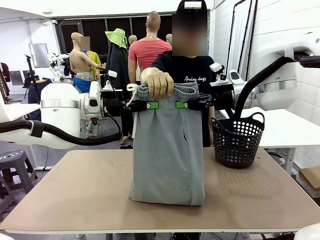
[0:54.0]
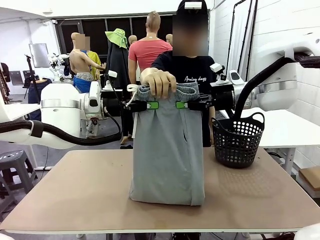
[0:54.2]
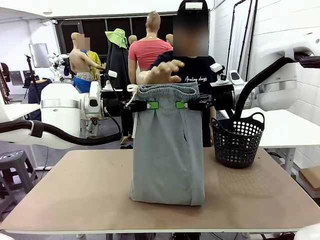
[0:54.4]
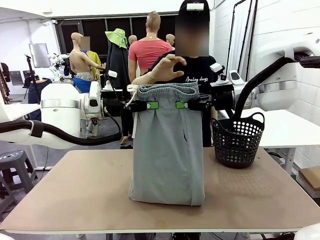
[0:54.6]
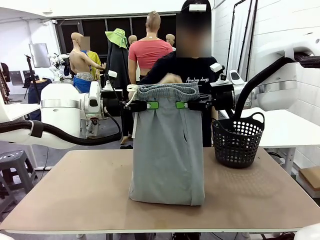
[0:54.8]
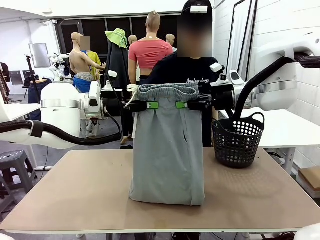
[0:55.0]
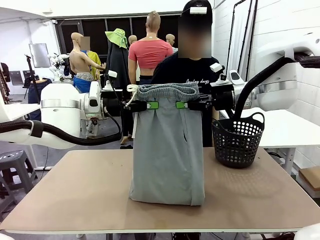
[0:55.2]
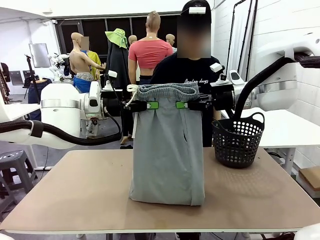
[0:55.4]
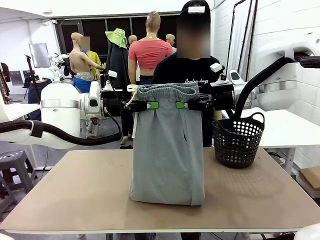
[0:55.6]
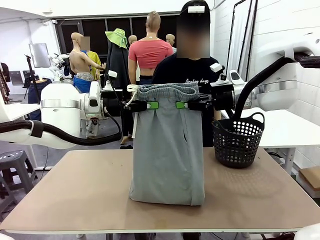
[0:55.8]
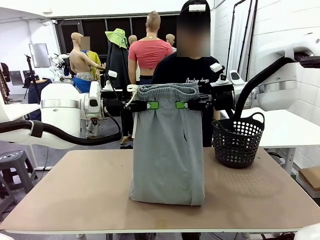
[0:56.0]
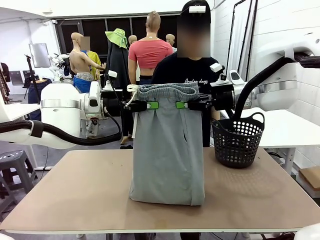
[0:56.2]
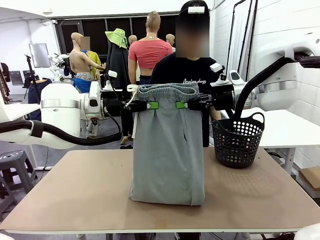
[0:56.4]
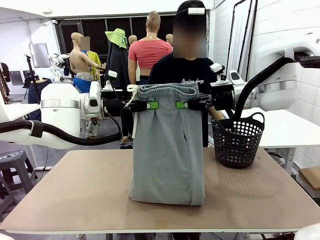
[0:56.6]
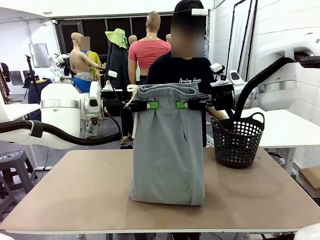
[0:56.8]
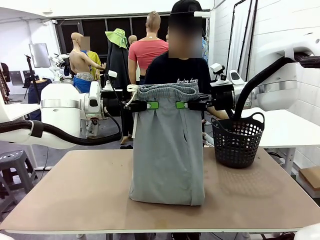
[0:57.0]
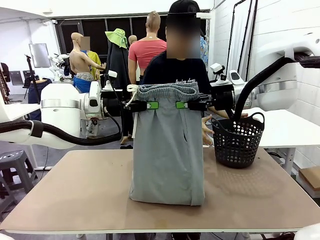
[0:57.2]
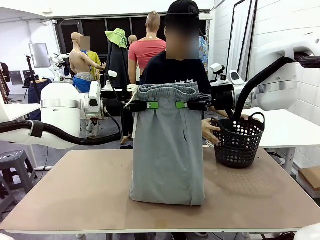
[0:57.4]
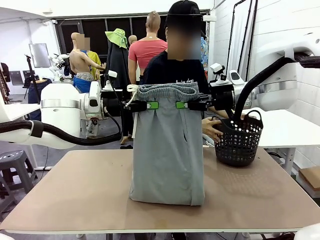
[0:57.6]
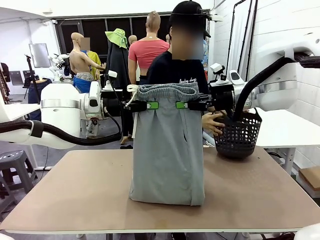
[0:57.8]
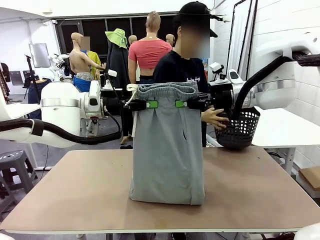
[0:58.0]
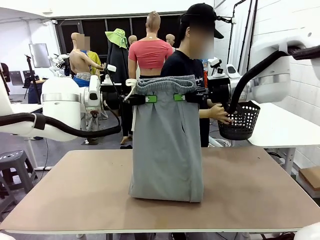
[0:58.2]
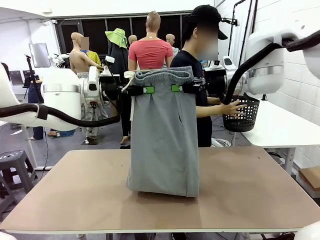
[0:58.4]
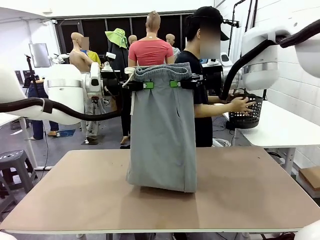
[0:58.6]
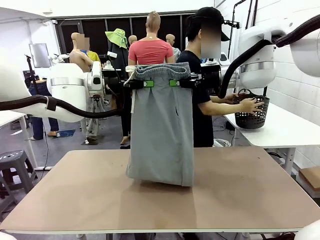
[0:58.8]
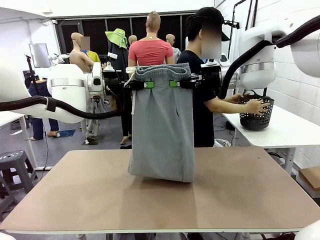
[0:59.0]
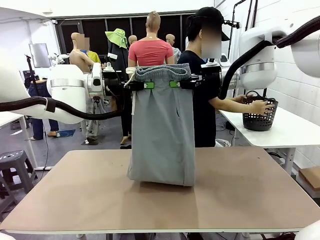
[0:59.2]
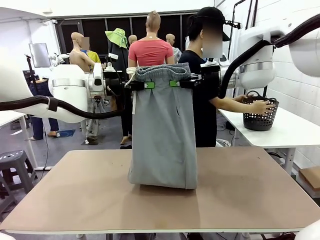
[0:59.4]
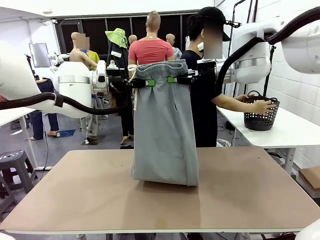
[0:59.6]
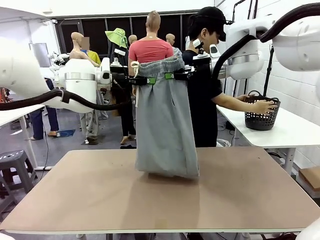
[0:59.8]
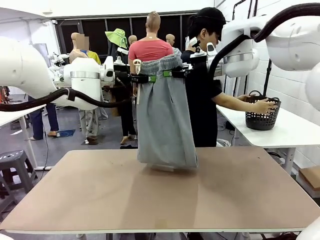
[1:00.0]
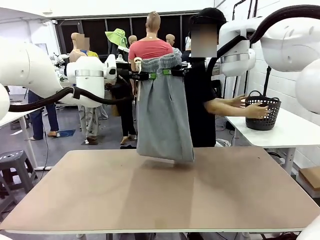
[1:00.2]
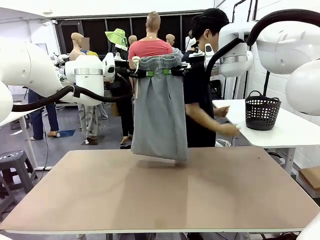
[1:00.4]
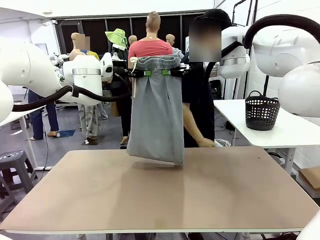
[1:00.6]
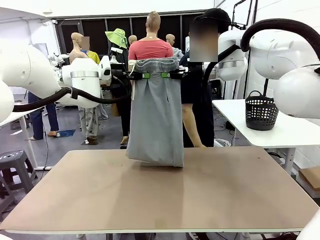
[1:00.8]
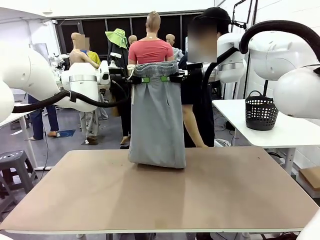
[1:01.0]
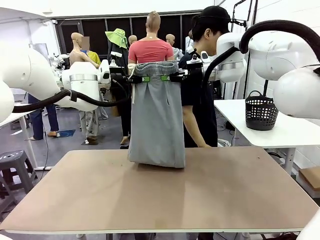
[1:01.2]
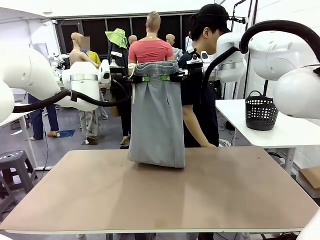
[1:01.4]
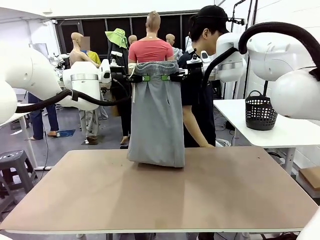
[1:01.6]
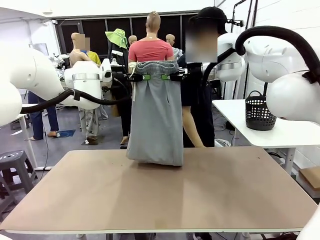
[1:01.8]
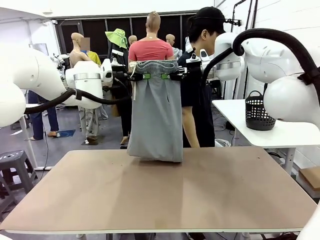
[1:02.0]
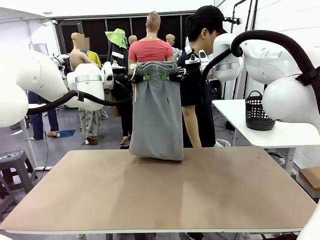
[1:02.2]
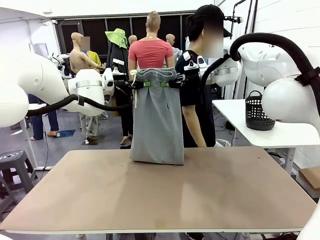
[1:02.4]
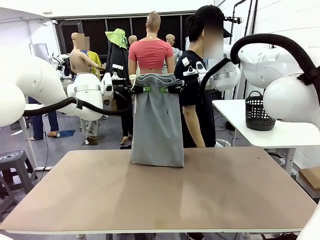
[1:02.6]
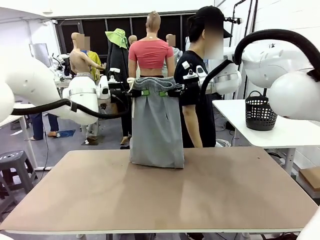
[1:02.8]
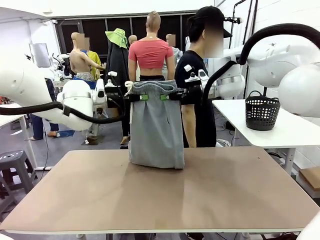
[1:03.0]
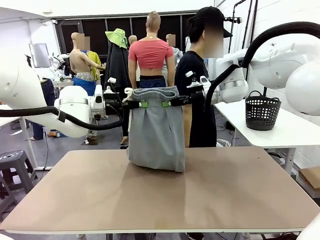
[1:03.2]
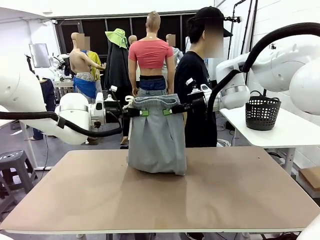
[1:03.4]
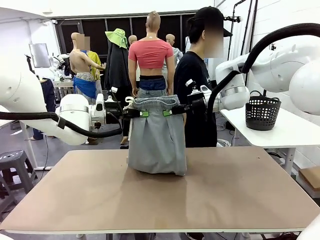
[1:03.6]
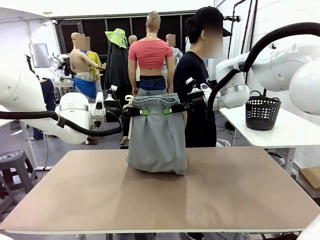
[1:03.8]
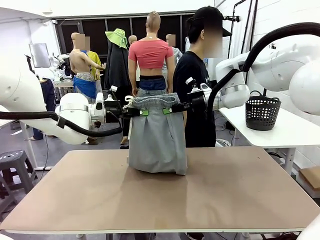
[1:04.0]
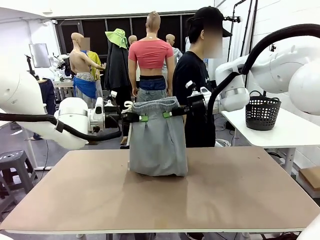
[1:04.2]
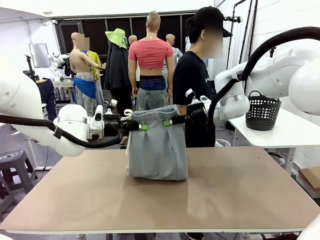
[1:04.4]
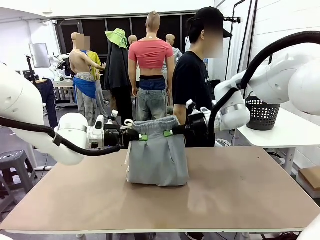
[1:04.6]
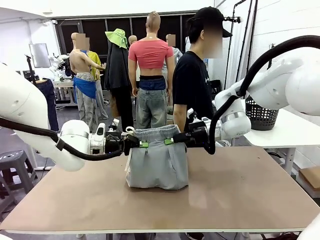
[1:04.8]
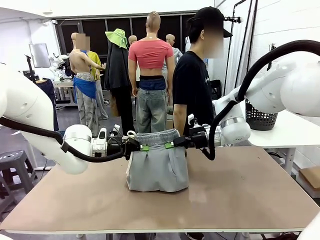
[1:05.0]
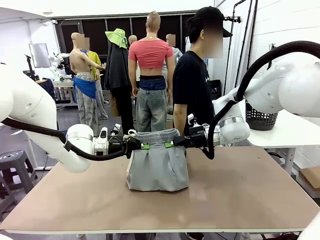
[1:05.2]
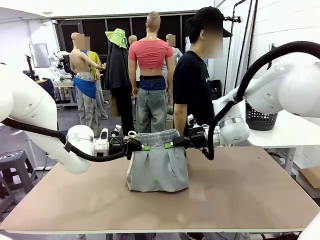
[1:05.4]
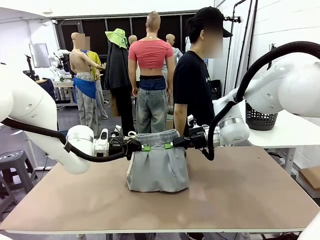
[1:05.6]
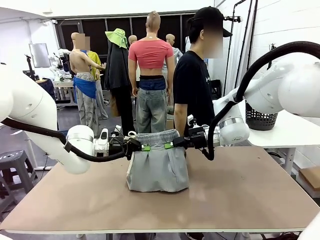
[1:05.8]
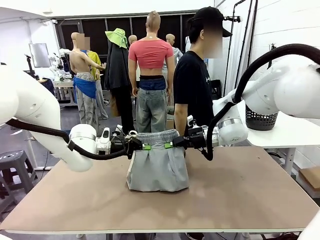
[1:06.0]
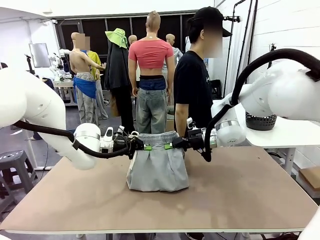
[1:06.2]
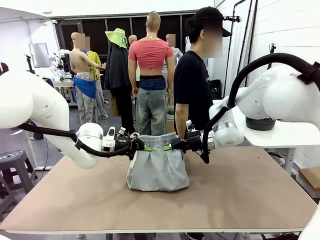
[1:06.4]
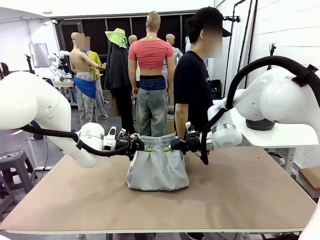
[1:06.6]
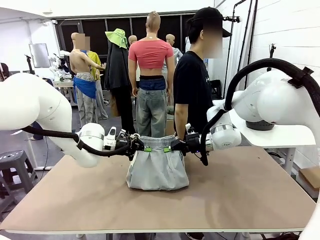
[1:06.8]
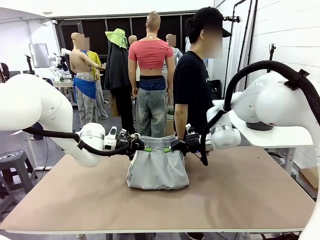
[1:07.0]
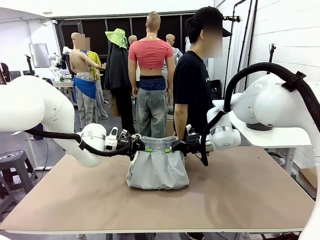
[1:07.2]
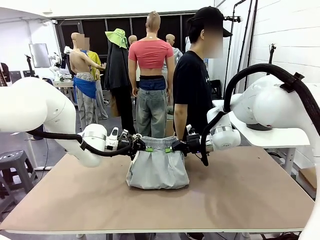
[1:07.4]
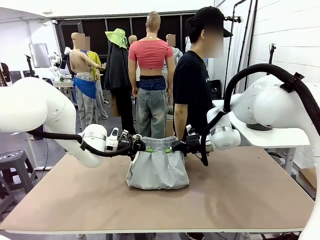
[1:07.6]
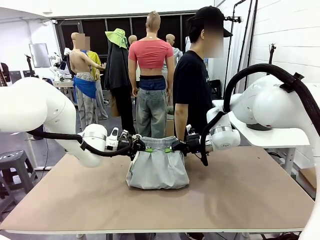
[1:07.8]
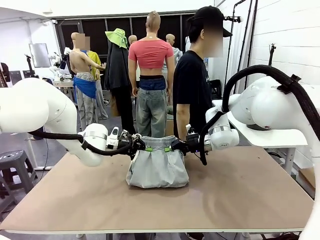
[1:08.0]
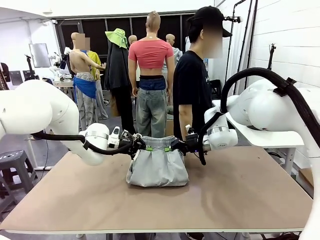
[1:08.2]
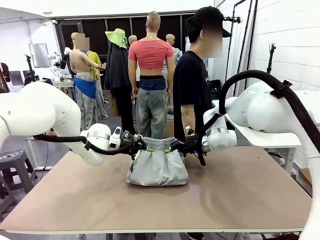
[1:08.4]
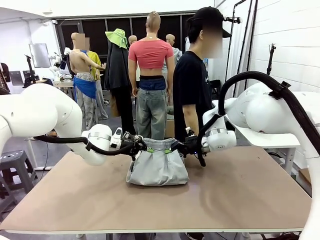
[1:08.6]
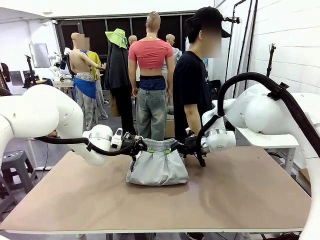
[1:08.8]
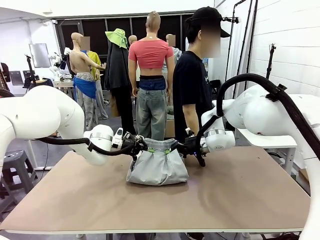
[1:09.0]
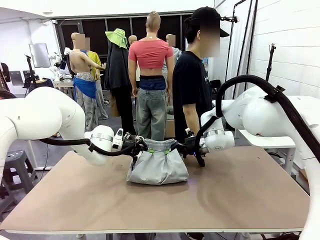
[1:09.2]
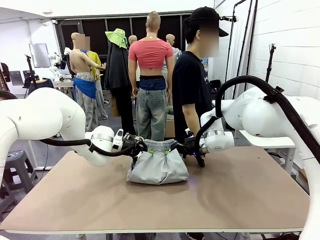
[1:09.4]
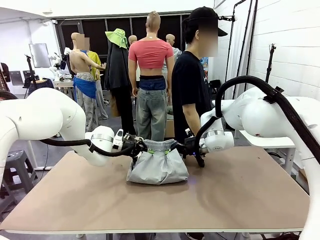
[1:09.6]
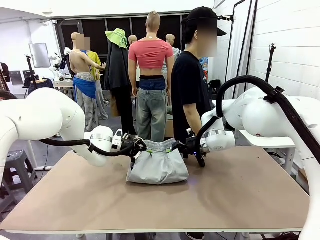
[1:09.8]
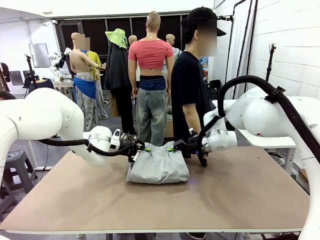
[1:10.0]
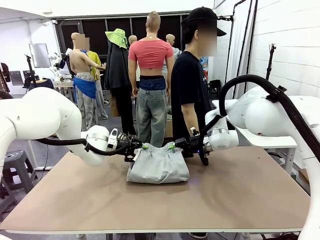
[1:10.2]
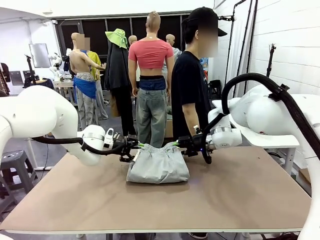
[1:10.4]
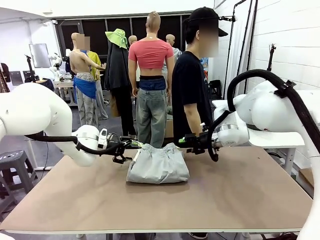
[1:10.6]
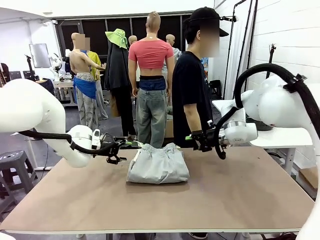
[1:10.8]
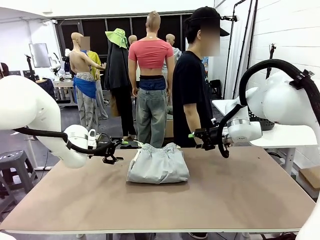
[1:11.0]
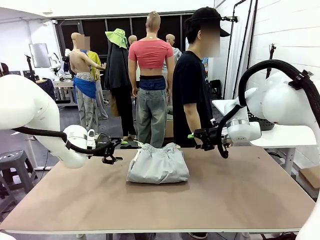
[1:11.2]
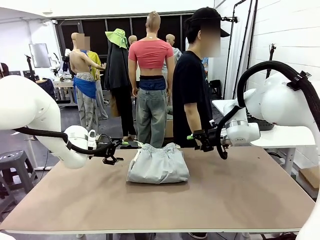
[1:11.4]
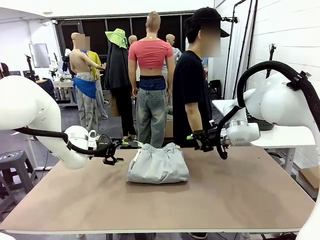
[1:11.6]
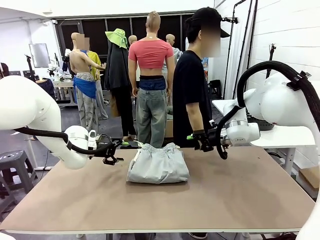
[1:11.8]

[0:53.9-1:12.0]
Task: Fold the training pants.
Robot: Fold the Training pants in half.
Person: Move the laundry basket to the right of the human table.
